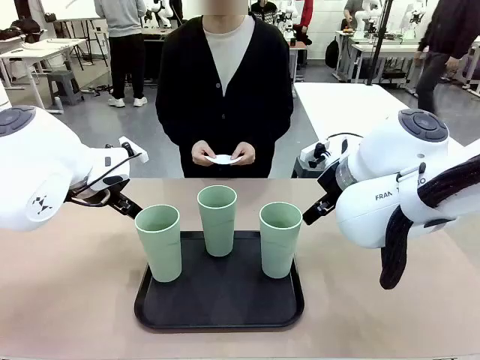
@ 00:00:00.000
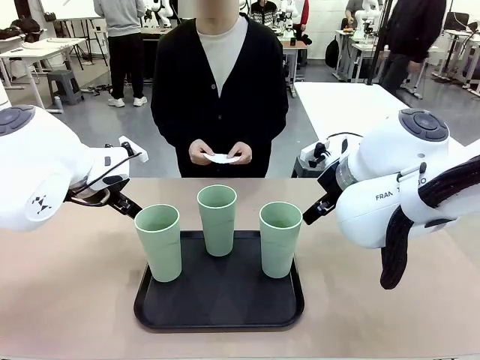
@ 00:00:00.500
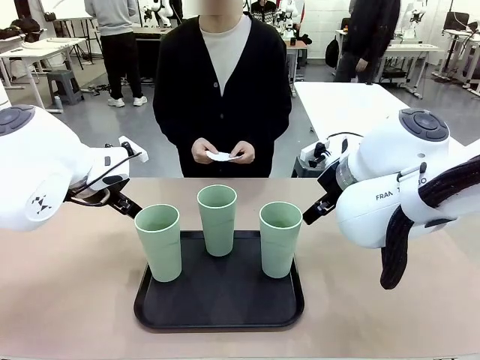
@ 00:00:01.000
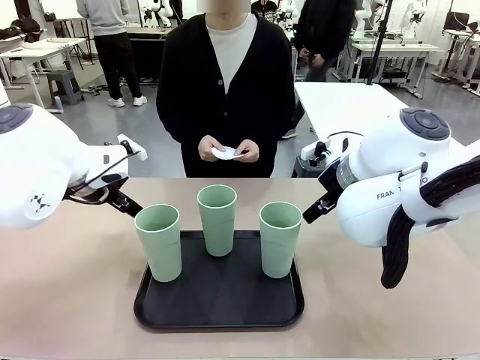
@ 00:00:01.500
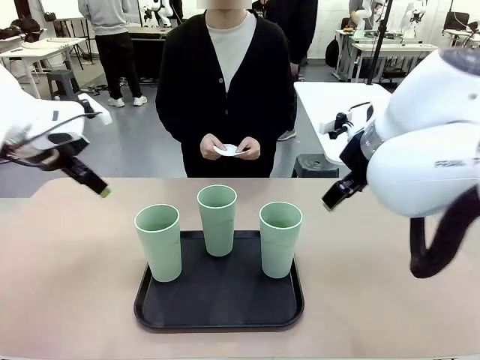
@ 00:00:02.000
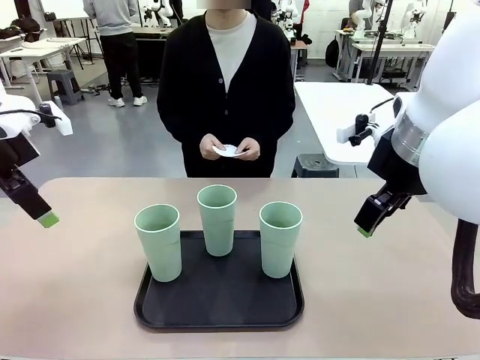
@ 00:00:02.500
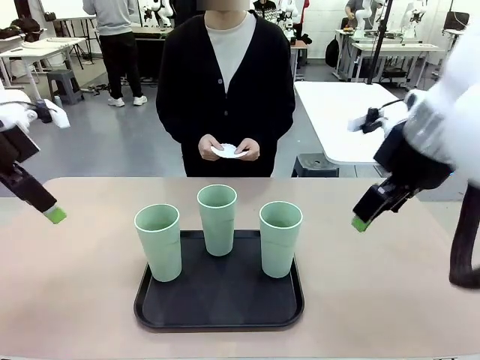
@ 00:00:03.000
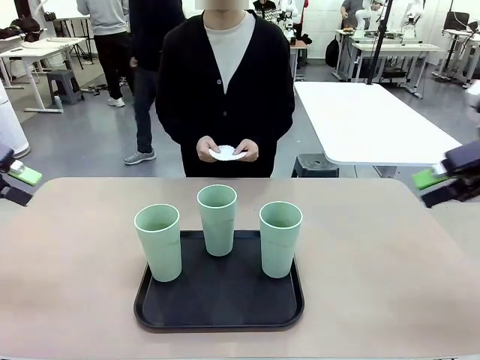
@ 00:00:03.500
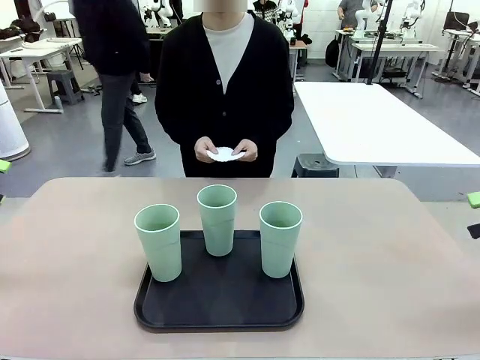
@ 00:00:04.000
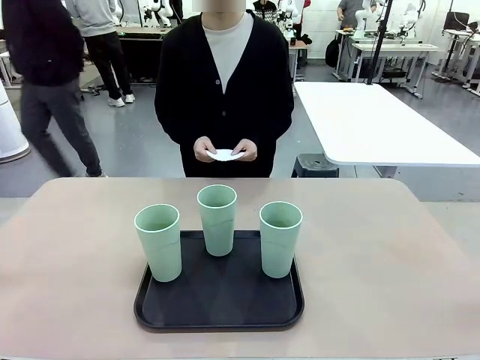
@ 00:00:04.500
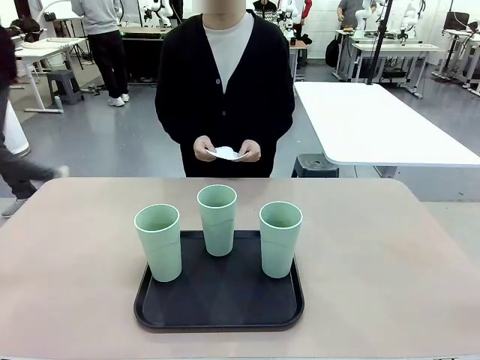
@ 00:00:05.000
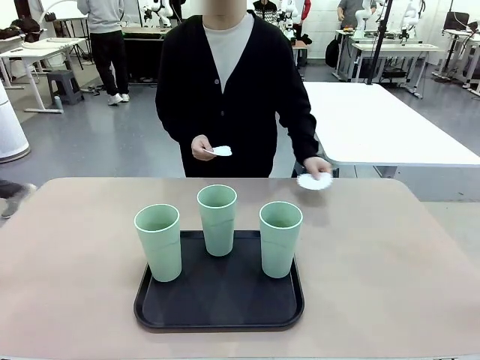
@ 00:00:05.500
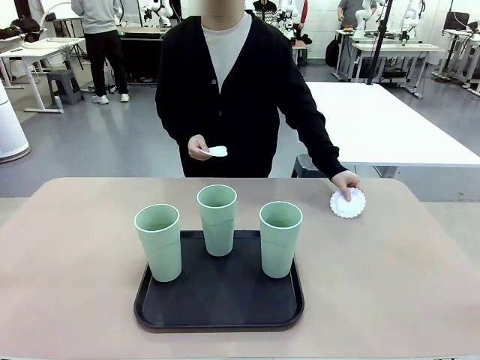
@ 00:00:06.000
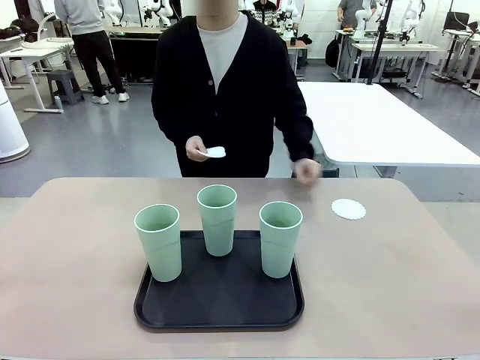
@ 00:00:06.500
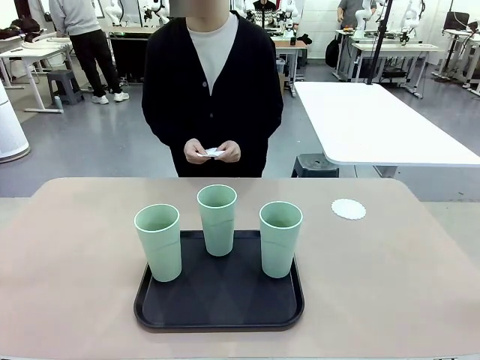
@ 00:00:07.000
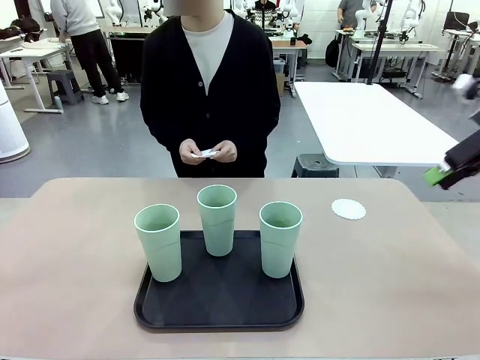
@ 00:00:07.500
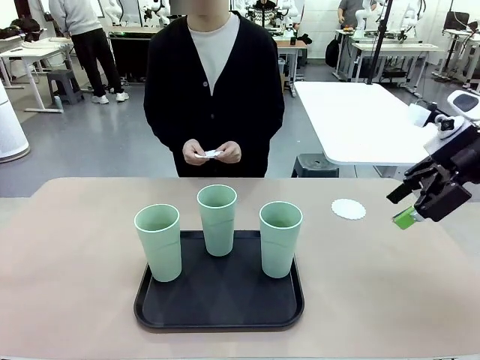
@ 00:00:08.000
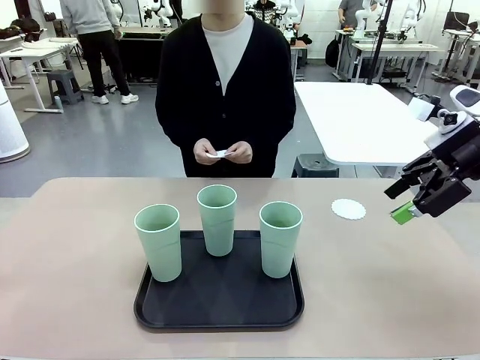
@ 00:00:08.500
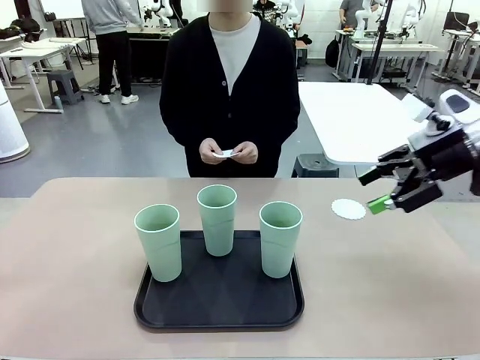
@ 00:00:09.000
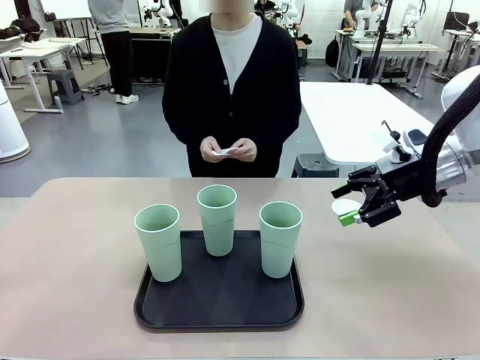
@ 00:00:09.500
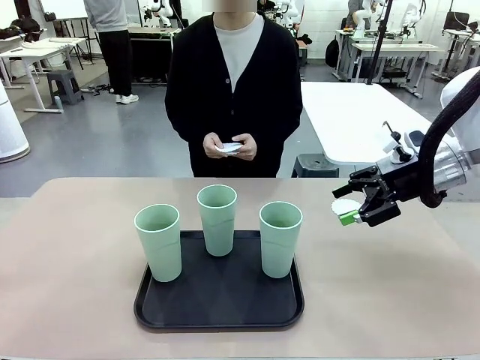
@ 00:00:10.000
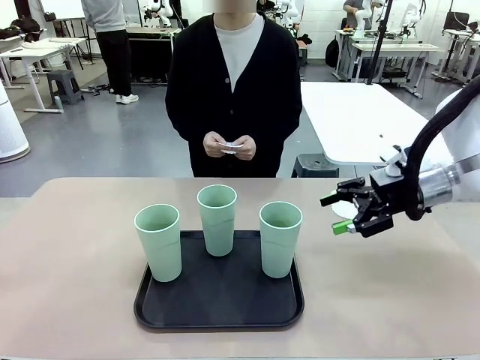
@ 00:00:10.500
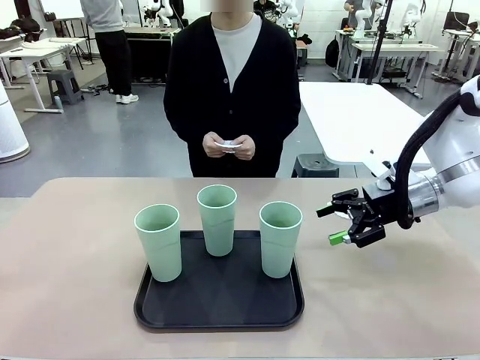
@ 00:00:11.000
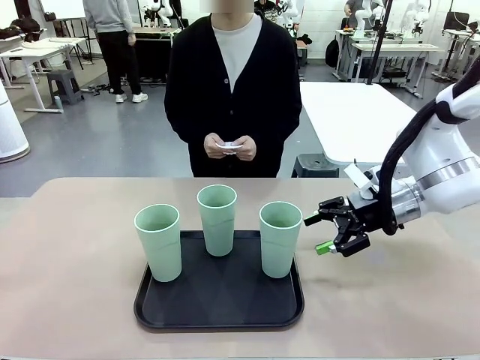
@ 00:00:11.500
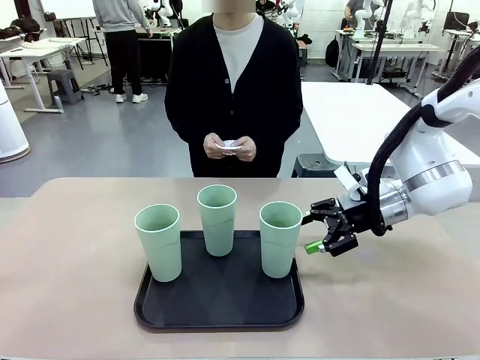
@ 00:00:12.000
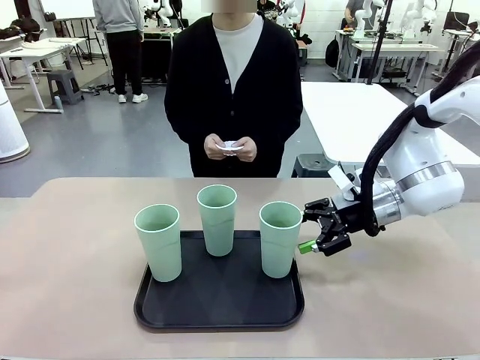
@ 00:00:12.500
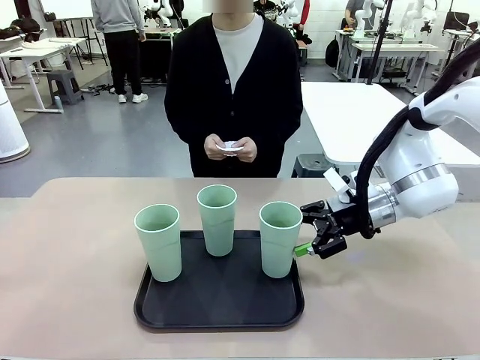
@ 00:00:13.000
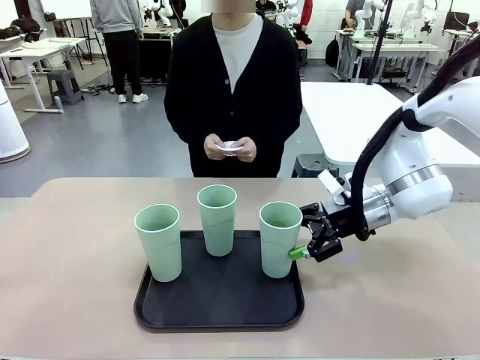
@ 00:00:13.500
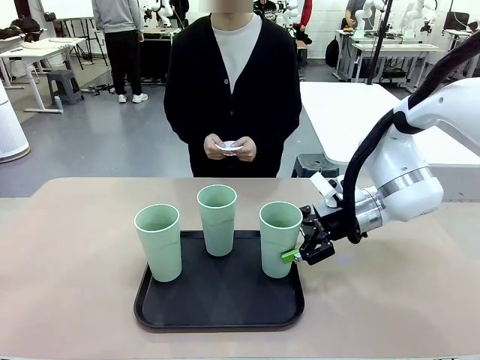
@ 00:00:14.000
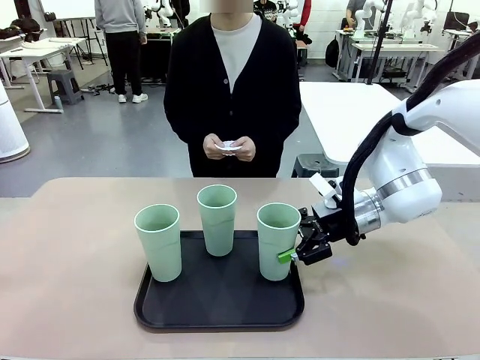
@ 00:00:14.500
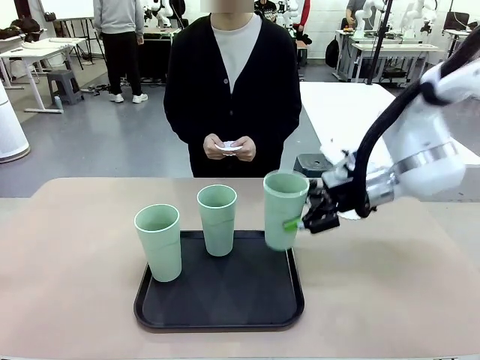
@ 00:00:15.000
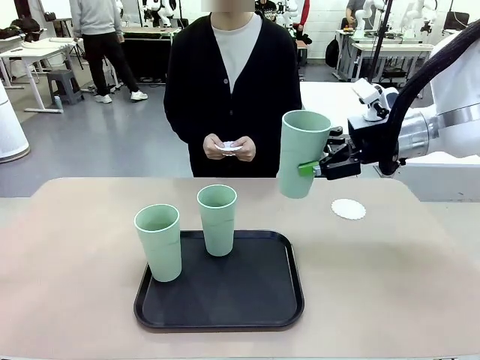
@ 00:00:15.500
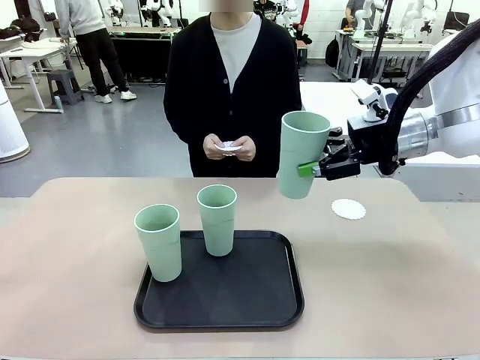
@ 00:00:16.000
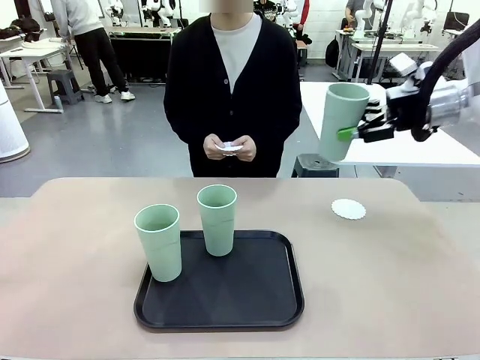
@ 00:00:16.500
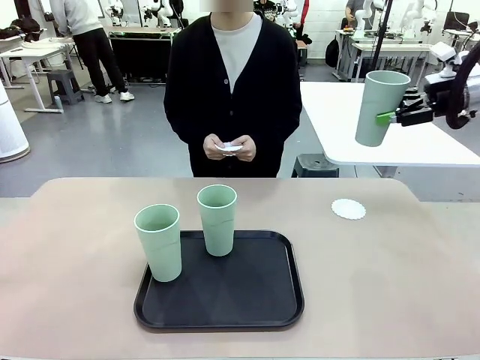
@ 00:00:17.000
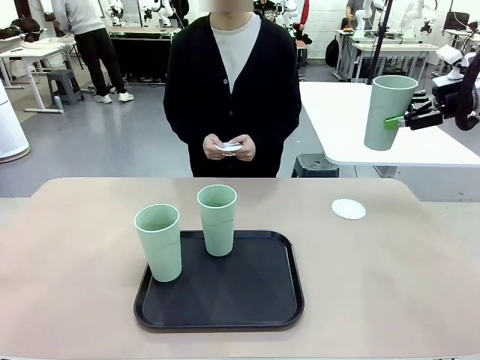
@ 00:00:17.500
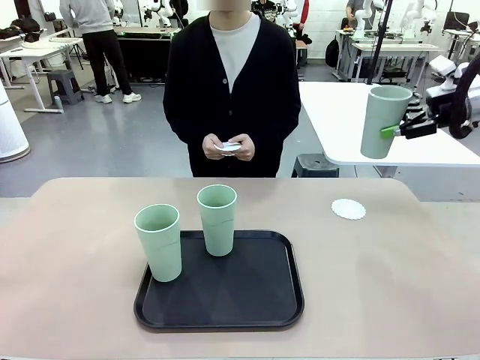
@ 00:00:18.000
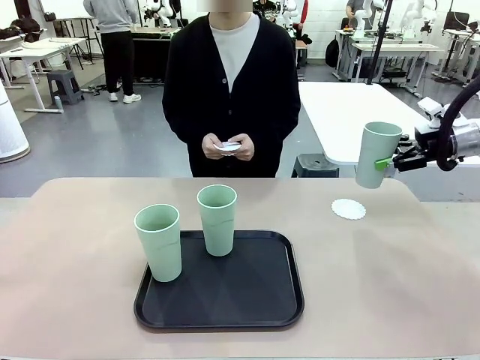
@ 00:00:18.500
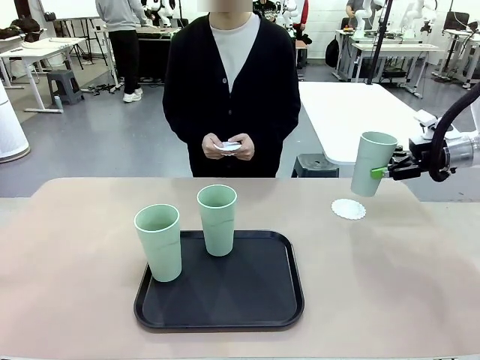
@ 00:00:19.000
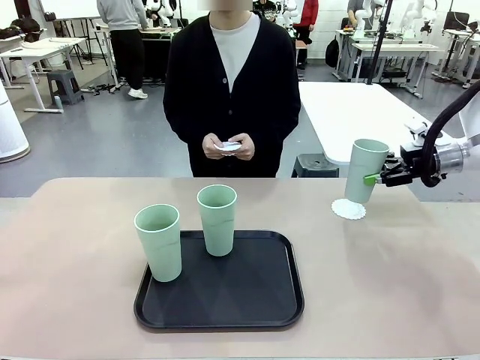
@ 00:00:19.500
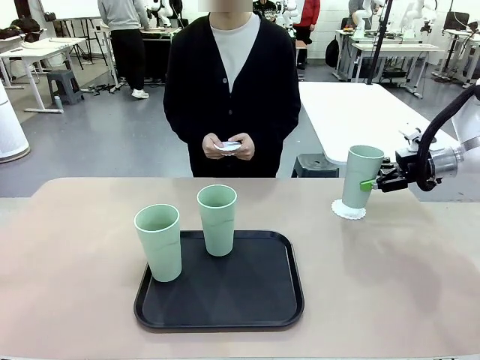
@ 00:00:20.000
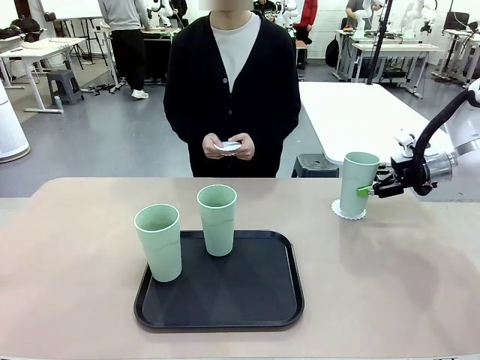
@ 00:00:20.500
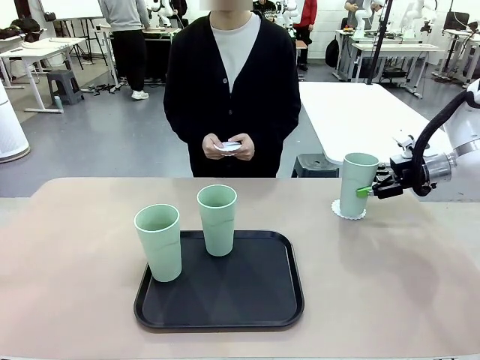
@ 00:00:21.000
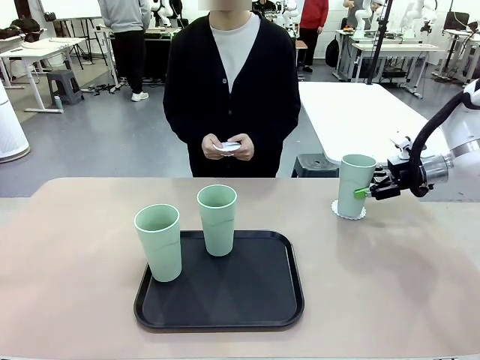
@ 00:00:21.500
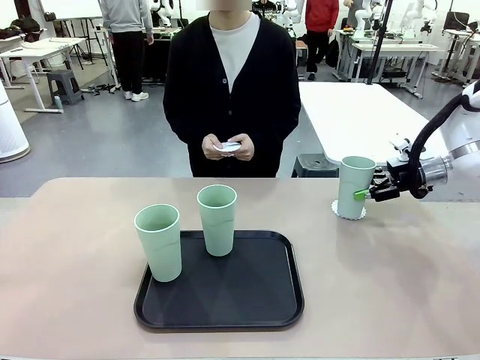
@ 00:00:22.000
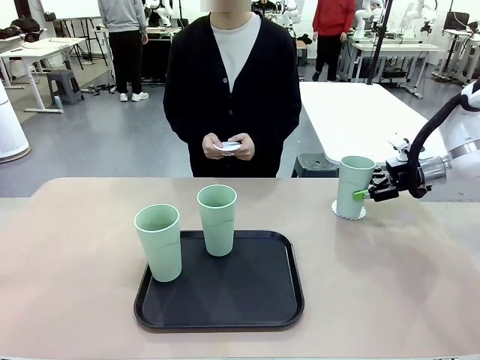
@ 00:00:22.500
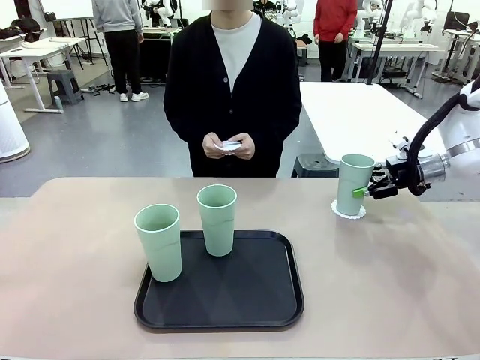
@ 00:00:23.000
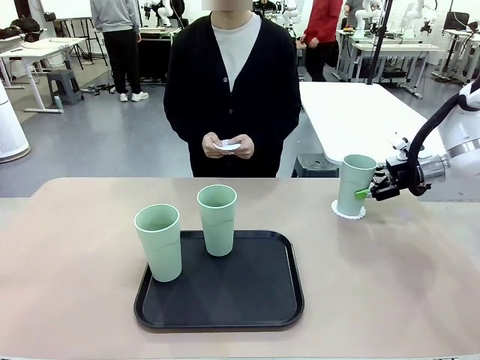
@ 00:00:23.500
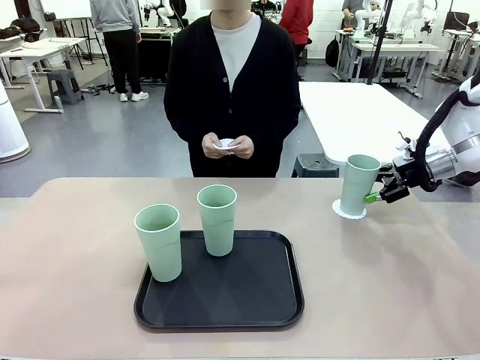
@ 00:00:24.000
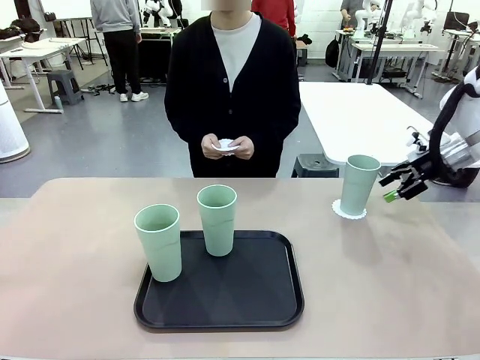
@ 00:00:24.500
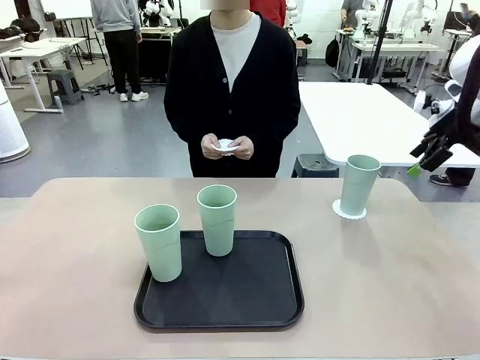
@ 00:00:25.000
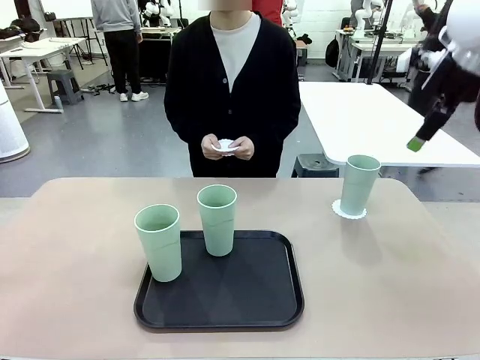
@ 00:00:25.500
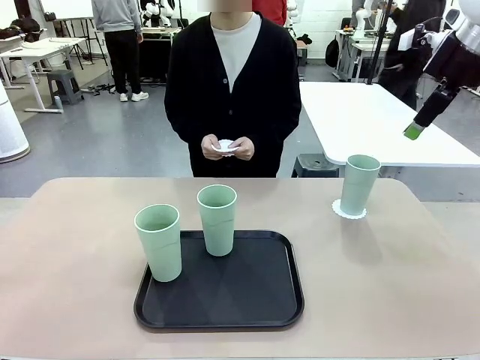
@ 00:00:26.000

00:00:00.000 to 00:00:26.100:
Task: Place coasters on the table and set cups on them.
Robot: Pick up one Reusable plastic cup and place it on a coaster set by the human.
Person: Place one coaster in any one of the three lower areas of the robot table (left, center, or right). Place one coaster in one of the two areas excluding the previously selected area.
